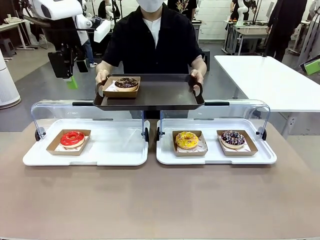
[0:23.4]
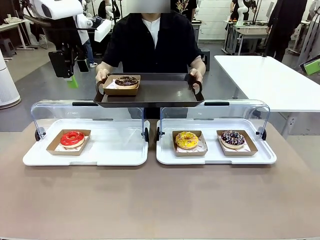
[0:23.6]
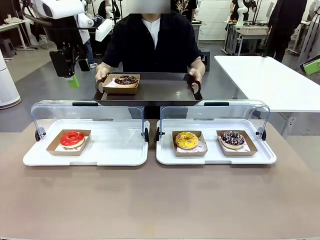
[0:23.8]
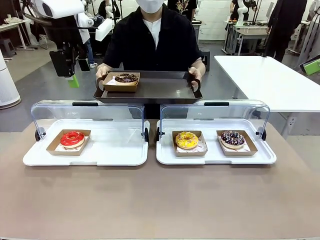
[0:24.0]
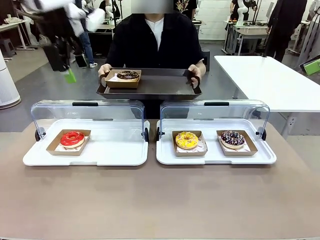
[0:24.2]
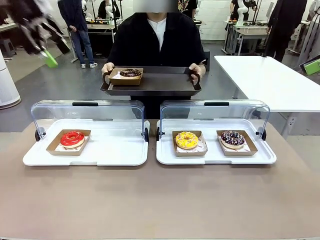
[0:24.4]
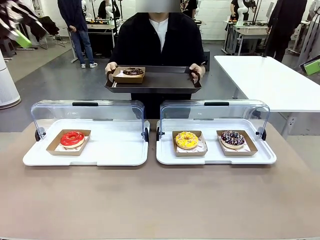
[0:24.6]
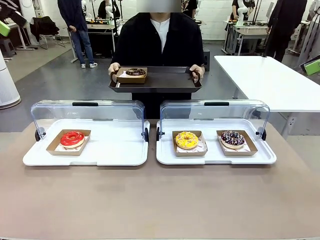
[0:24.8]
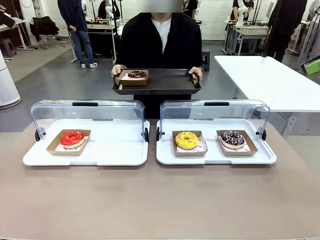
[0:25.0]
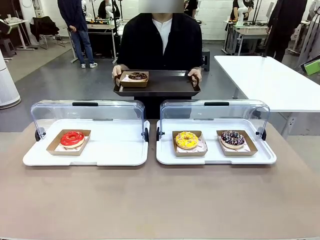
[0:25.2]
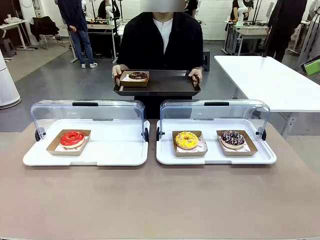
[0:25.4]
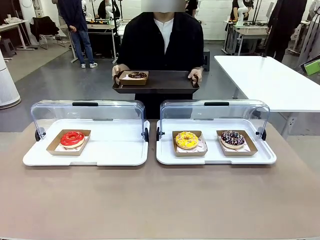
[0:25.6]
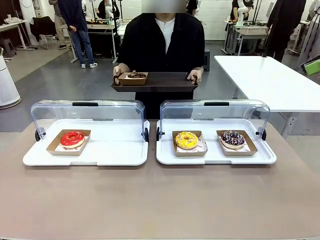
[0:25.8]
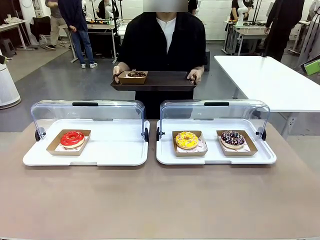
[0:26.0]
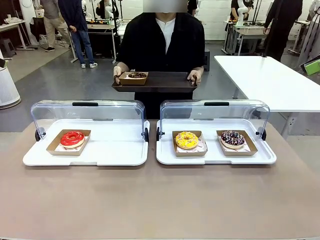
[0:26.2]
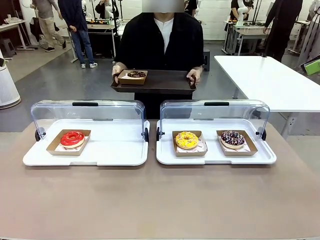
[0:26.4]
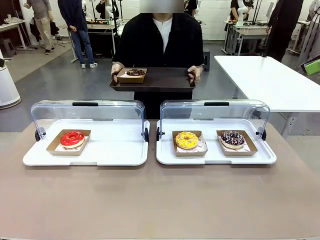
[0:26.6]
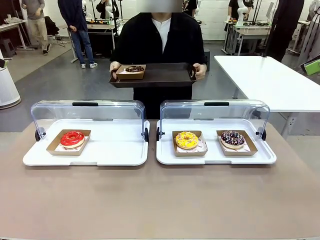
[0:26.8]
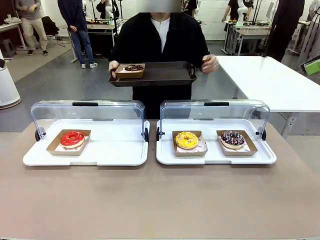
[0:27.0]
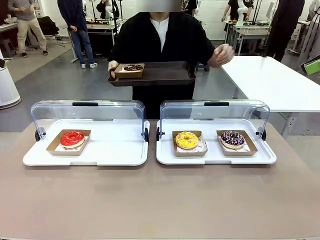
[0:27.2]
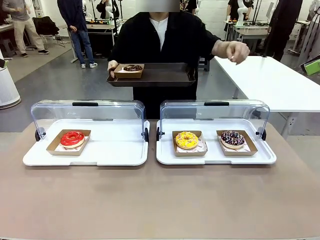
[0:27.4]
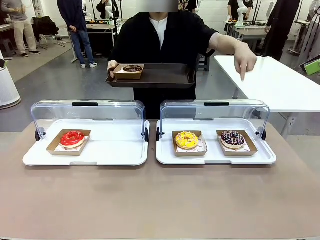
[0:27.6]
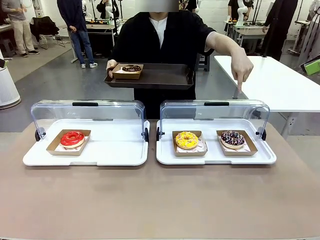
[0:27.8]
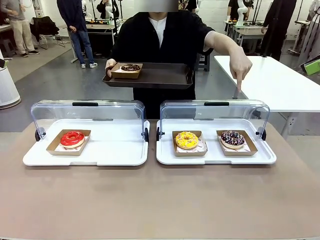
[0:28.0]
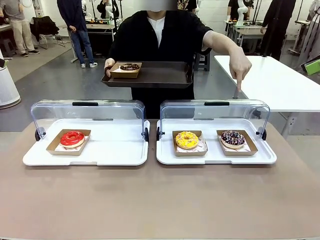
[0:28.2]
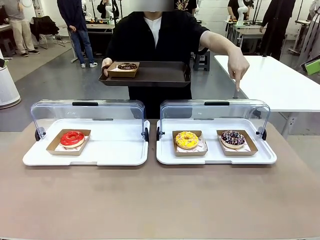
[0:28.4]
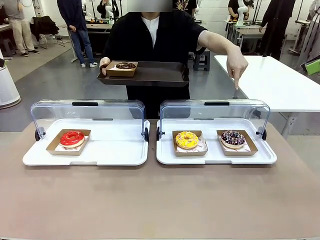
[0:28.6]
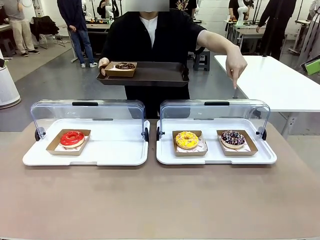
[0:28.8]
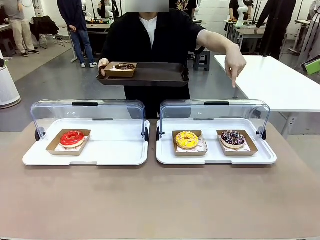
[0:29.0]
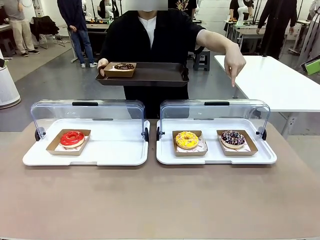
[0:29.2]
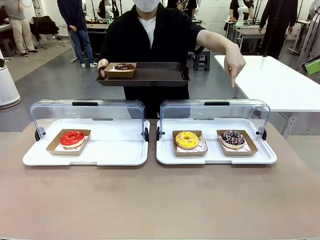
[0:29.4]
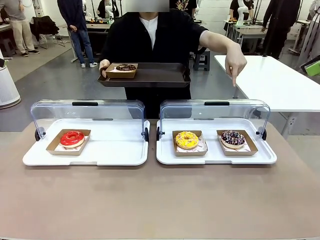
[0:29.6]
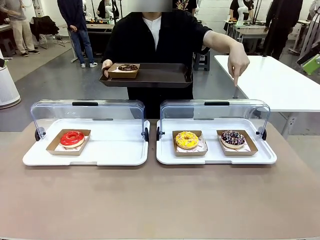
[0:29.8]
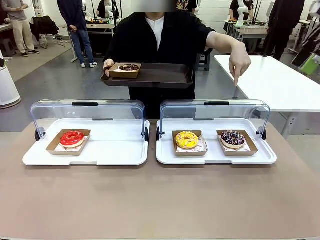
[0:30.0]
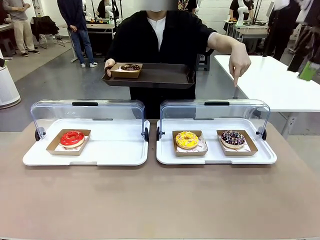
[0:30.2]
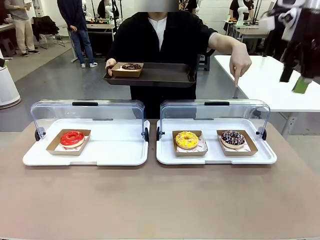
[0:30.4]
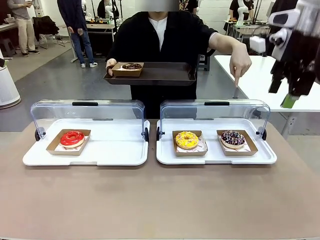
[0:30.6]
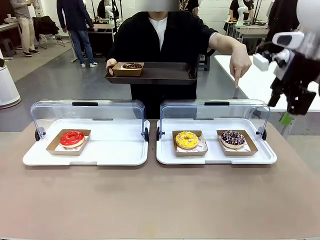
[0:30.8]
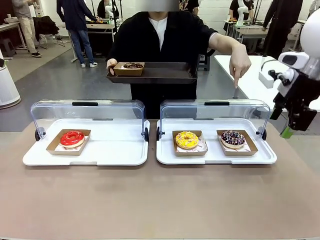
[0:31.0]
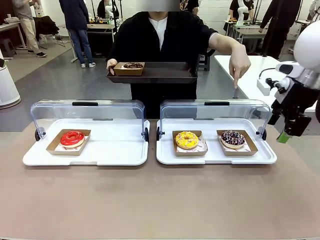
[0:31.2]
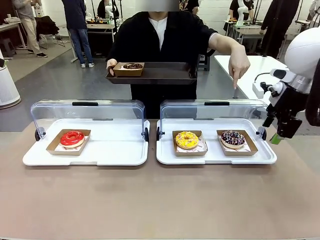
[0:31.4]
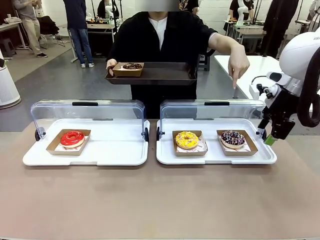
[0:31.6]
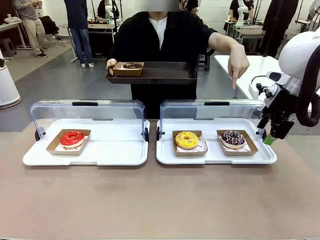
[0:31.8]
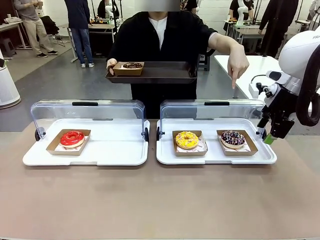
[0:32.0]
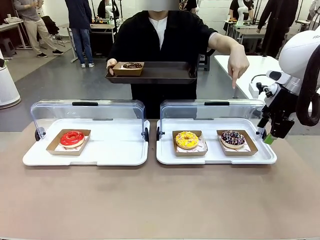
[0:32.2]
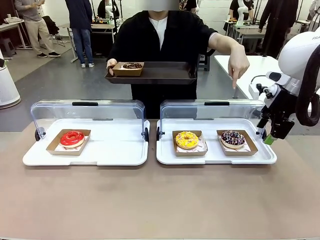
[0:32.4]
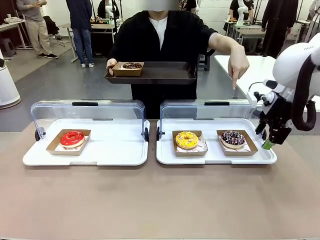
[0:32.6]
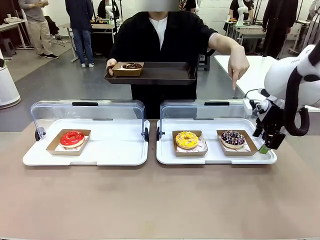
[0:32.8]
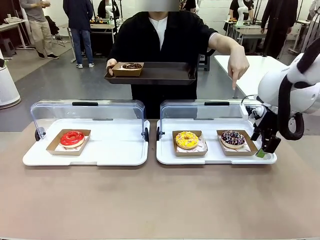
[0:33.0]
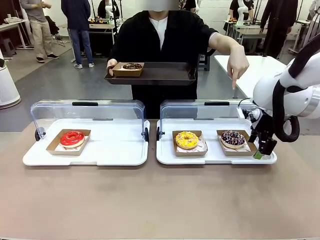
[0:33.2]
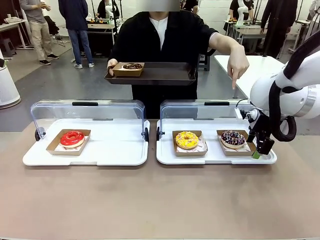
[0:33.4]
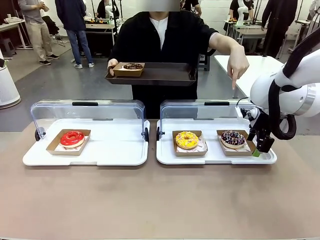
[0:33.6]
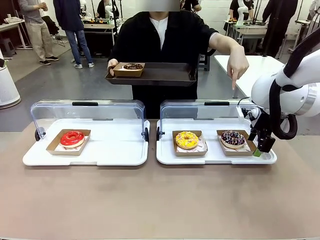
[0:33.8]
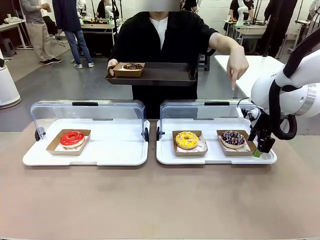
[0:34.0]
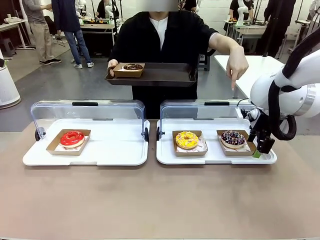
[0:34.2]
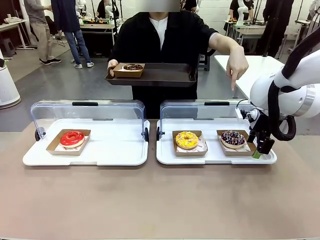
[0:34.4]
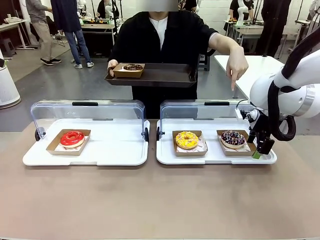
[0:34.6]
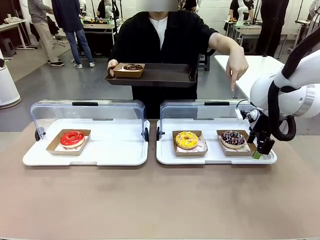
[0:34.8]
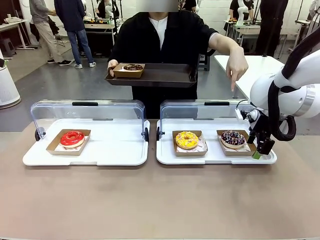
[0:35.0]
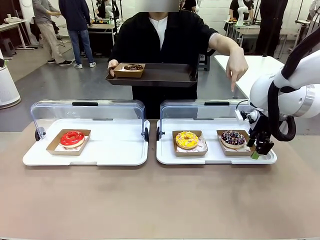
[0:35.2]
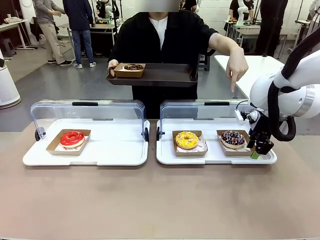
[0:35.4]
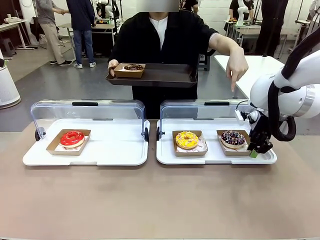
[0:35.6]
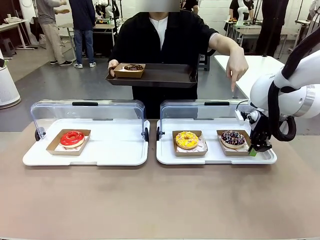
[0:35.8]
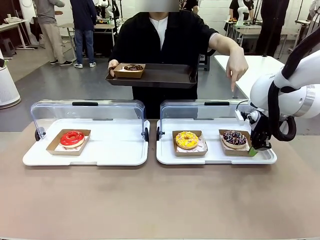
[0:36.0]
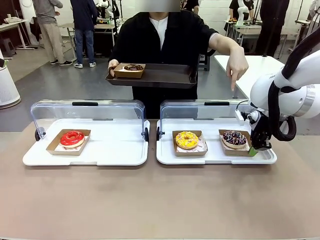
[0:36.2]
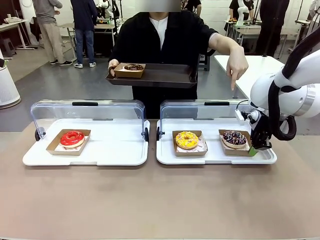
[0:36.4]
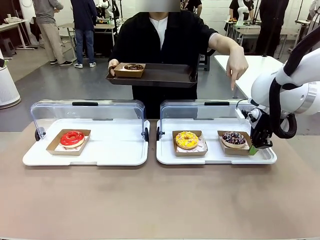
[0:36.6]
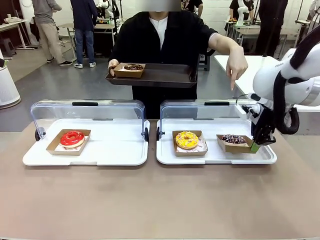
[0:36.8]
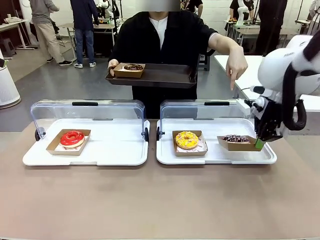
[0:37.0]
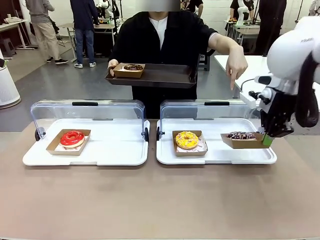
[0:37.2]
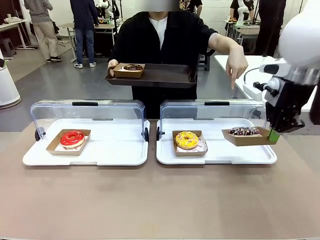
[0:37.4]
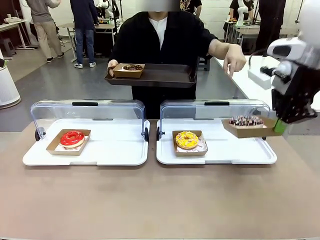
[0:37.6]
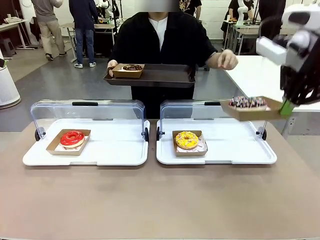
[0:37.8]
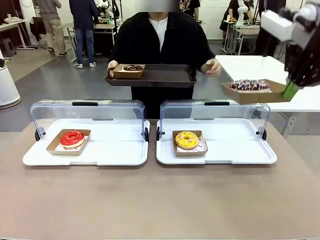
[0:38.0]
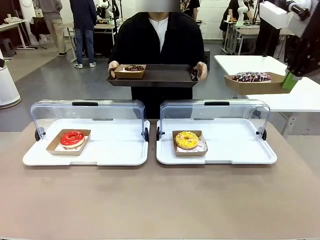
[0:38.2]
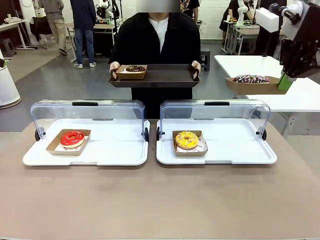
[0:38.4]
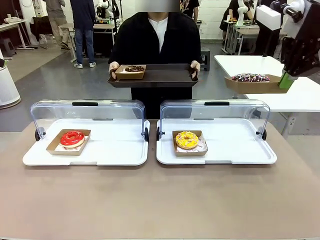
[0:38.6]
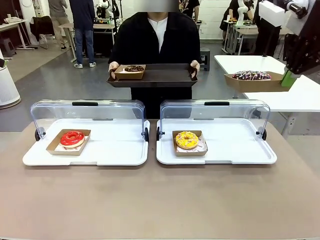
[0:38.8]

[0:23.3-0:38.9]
Task: Provide the desired donut to the person.
Robot: Pick up and lift the Paper togo box containing the Donut pointed at by the person.
Person: Point to one donut. Lift the tray onto the Roll-Top Bakery Case.
